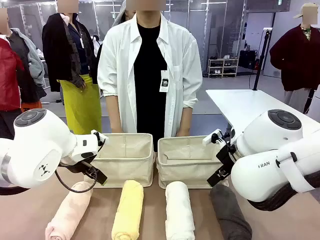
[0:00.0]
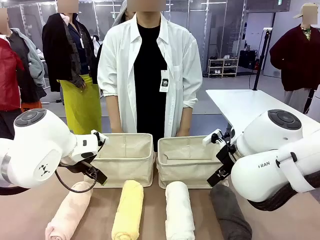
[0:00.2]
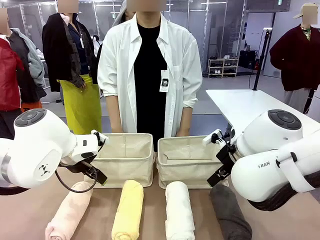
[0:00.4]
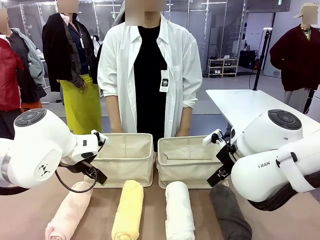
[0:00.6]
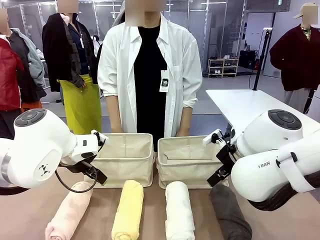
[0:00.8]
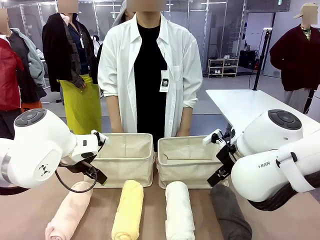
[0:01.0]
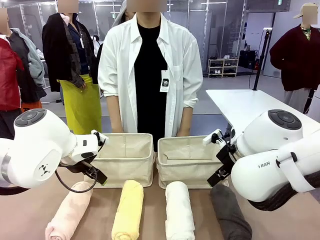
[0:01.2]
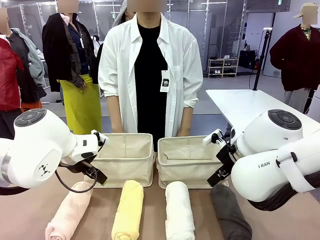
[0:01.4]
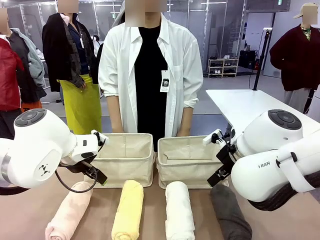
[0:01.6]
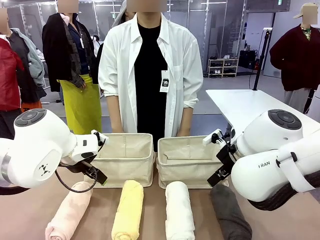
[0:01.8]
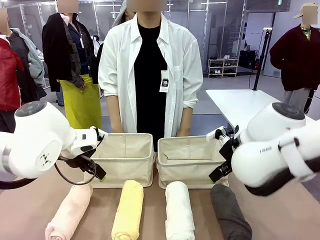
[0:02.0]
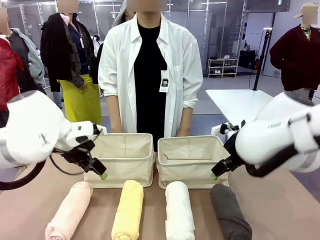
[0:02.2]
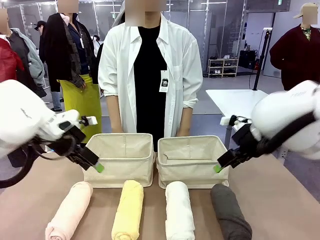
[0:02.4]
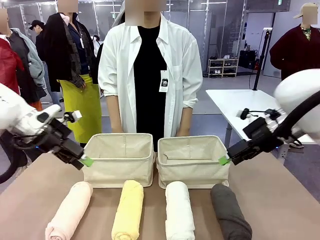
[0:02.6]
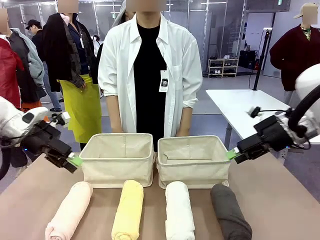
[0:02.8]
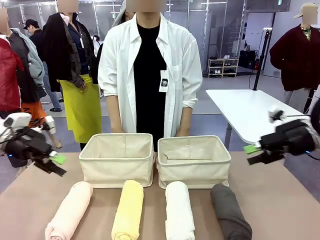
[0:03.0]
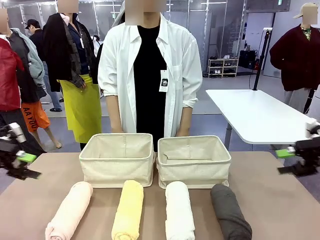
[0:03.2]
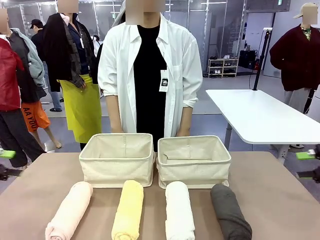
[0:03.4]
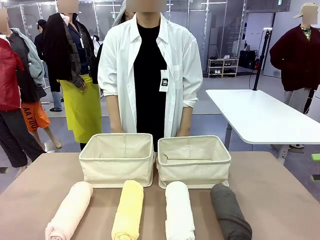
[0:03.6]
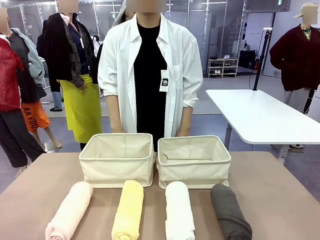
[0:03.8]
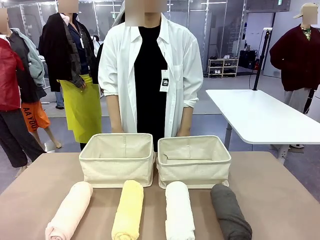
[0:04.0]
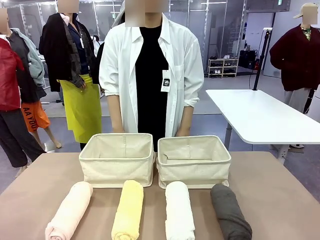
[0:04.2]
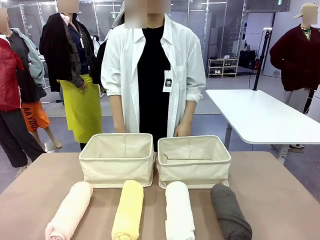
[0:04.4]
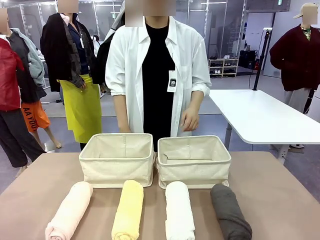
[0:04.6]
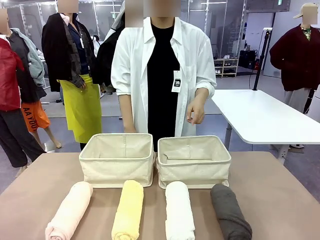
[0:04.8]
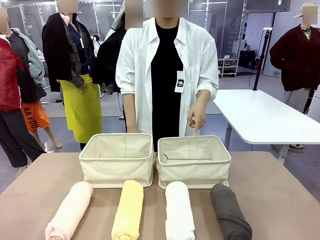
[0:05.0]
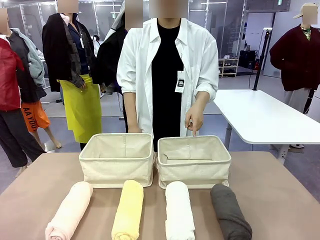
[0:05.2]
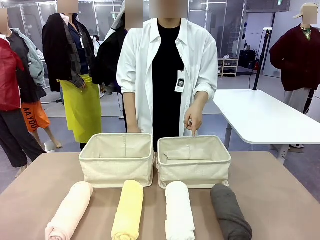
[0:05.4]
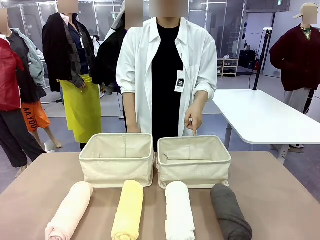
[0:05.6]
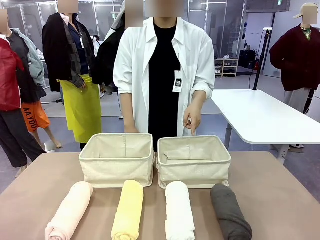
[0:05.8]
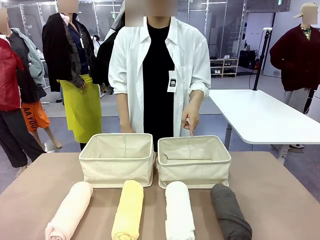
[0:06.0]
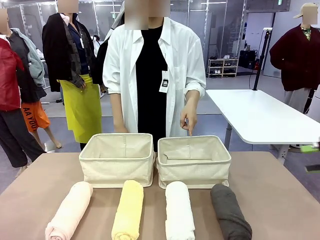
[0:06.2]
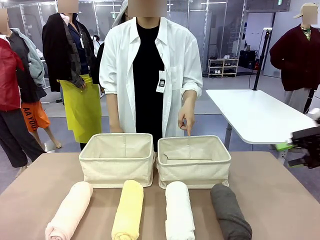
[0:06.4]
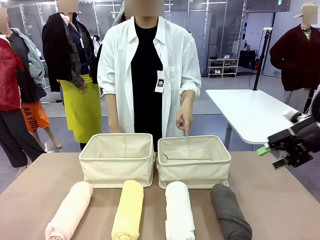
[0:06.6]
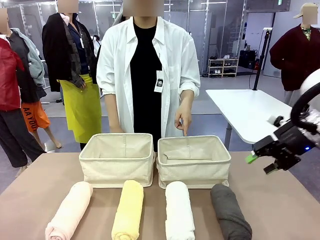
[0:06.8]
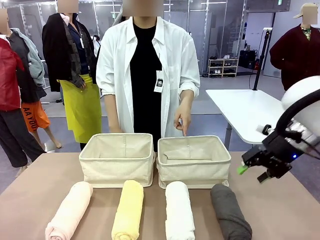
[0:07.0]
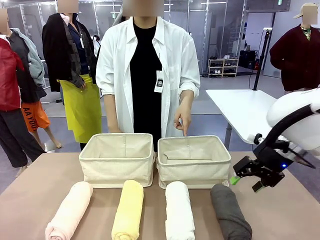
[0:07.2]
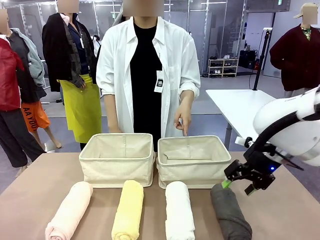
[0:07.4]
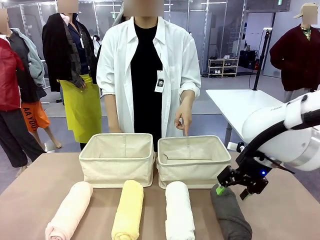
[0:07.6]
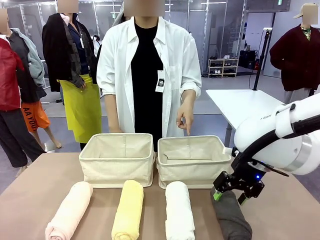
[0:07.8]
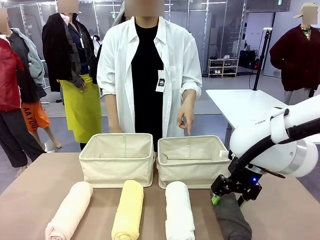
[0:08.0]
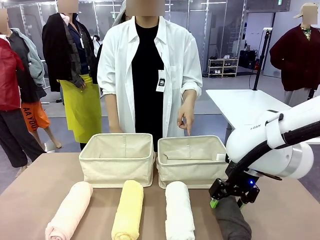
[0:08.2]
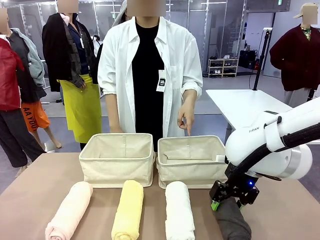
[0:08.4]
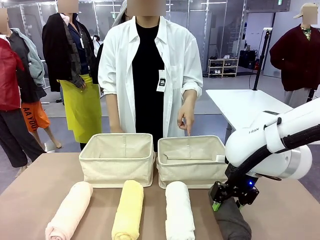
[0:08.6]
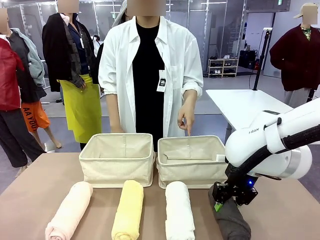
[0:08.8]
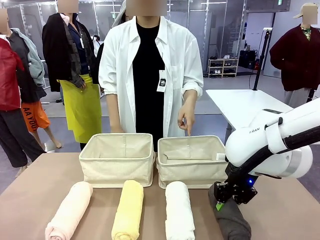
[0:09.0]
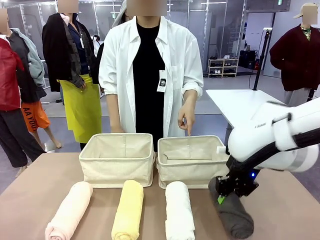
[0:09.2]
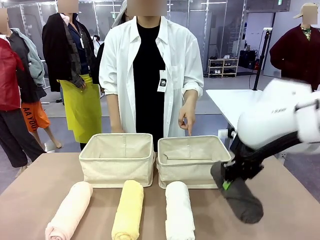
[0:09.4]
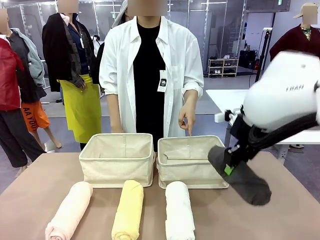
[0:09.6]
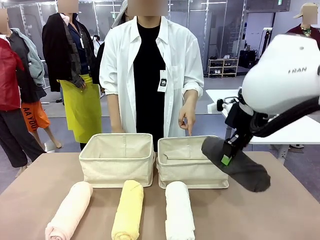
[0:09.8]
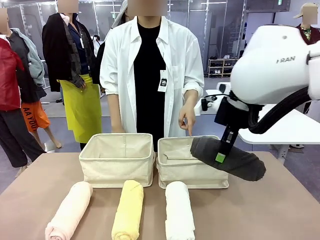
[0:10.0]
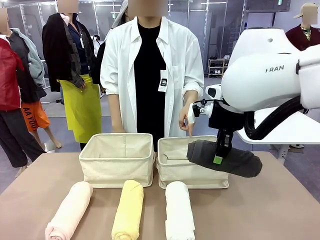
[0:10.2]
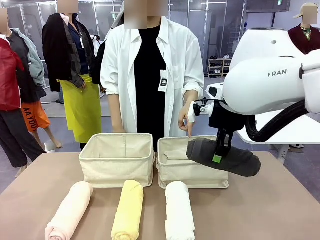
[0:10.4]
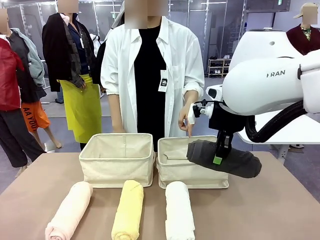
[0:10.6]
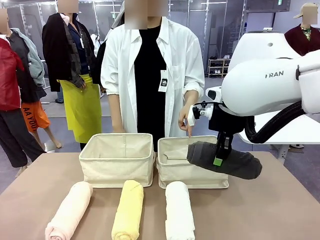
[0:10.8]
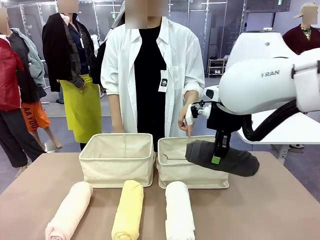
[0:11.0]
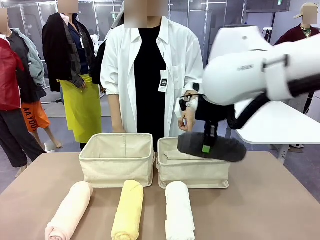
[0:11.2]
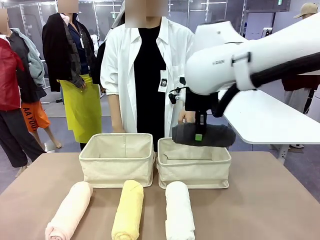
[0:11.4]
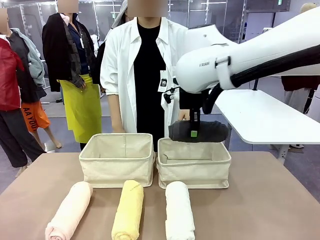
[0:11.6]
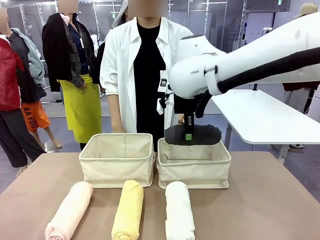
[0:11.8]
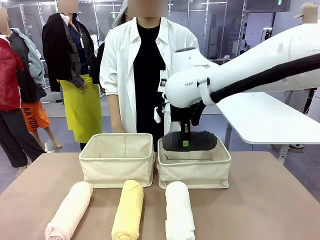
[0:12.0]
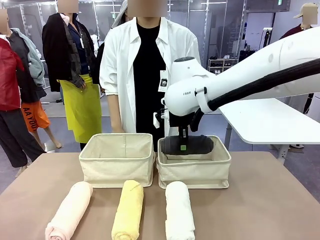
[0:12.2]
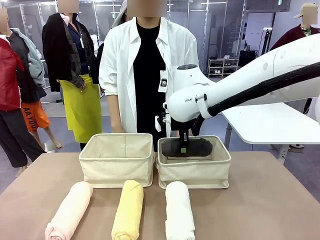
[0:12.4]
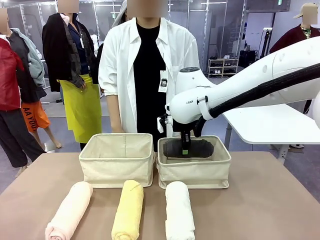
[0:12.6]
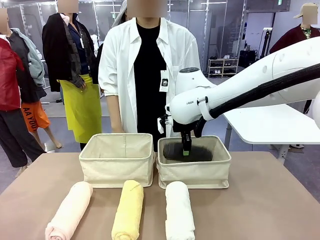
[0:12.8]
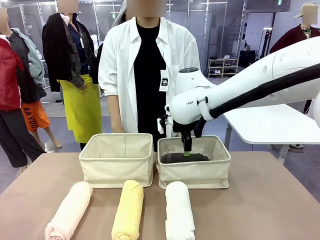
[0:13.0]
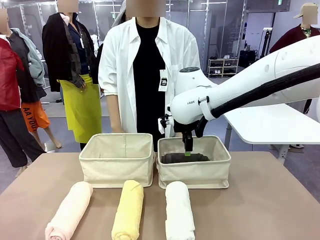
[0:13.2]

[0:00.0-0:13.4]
Task: Divide the towels into two baskets.
Robot: Pick up one hotel-folded towel and place it in the Fabric basket indicated by the person.

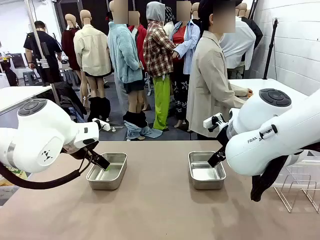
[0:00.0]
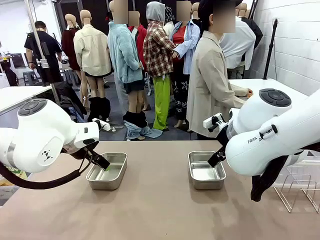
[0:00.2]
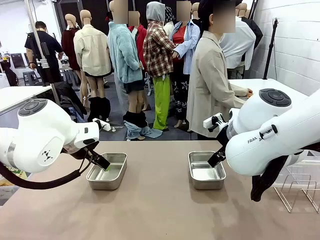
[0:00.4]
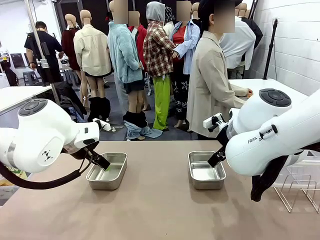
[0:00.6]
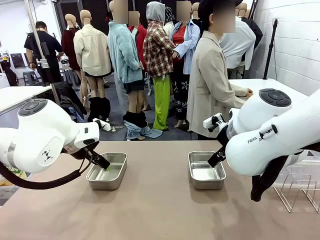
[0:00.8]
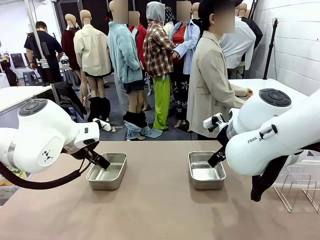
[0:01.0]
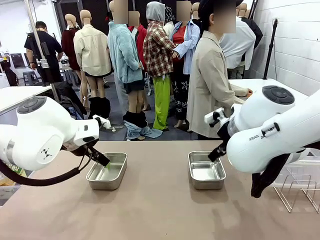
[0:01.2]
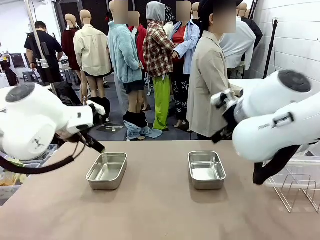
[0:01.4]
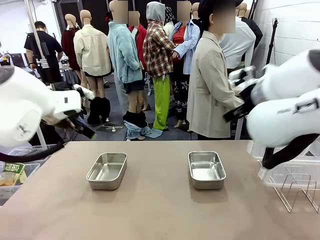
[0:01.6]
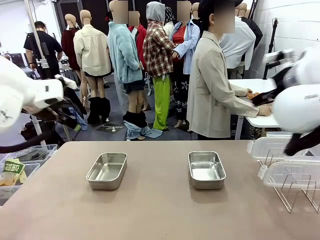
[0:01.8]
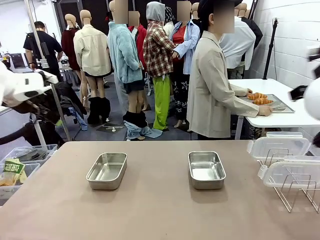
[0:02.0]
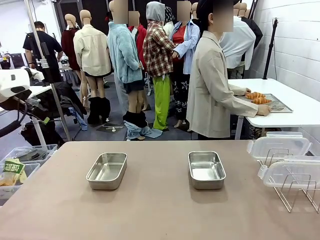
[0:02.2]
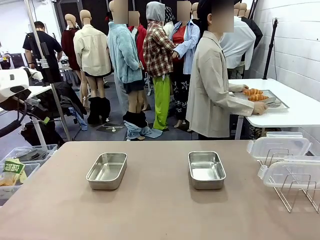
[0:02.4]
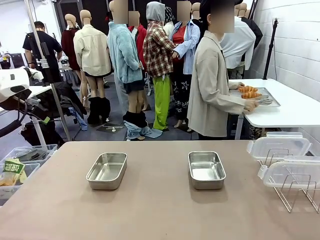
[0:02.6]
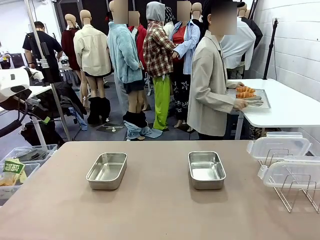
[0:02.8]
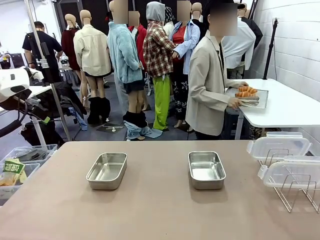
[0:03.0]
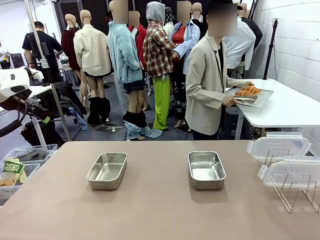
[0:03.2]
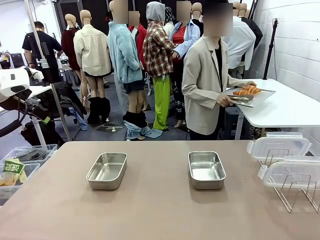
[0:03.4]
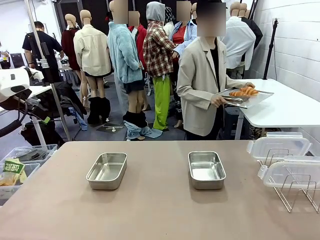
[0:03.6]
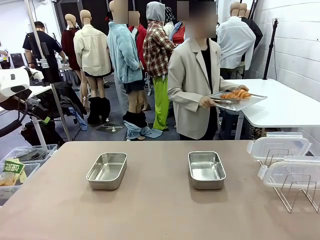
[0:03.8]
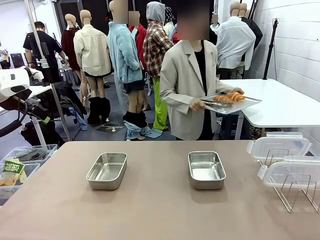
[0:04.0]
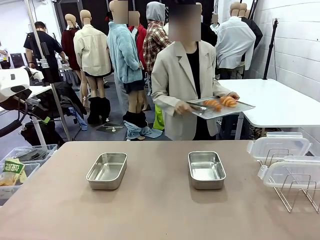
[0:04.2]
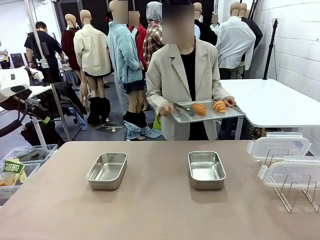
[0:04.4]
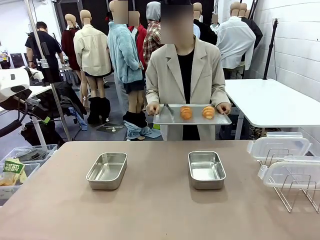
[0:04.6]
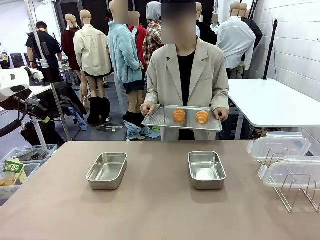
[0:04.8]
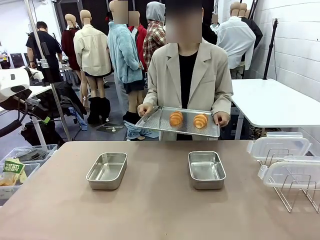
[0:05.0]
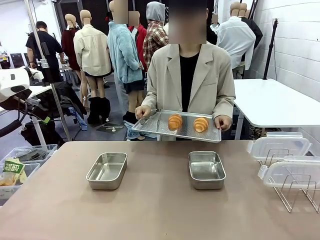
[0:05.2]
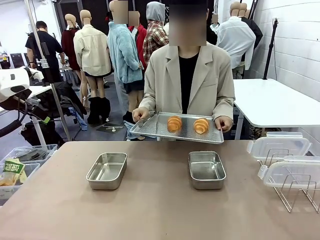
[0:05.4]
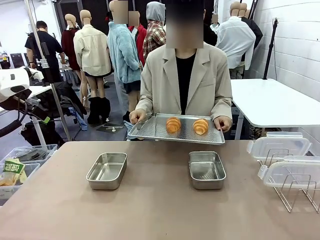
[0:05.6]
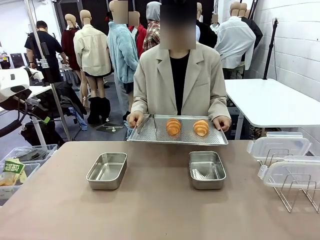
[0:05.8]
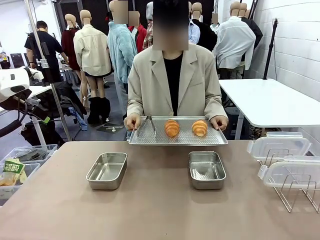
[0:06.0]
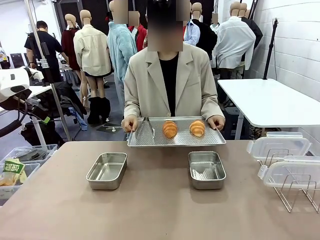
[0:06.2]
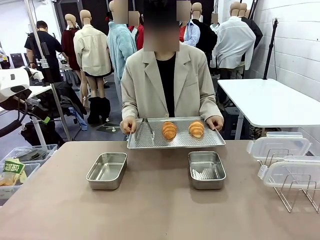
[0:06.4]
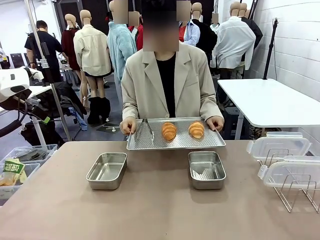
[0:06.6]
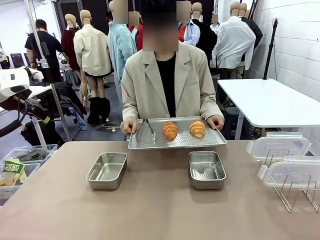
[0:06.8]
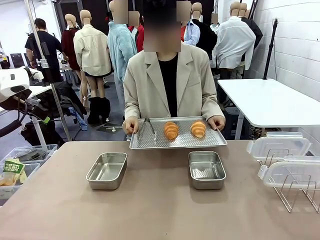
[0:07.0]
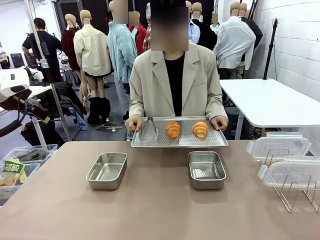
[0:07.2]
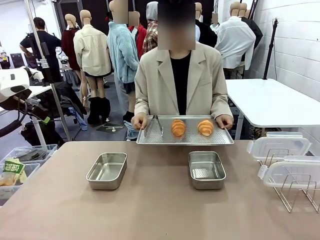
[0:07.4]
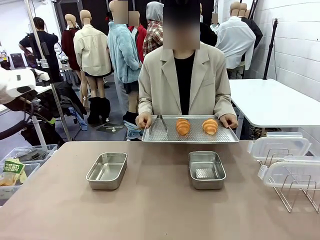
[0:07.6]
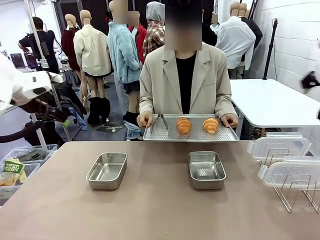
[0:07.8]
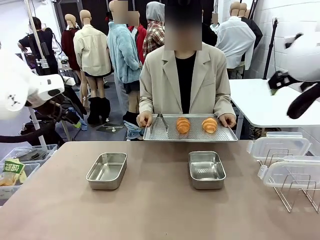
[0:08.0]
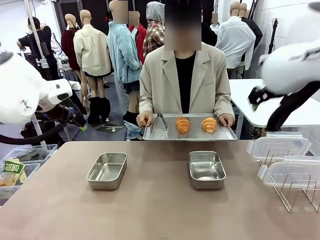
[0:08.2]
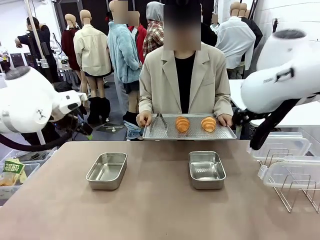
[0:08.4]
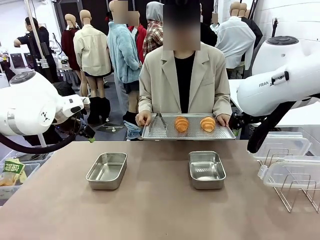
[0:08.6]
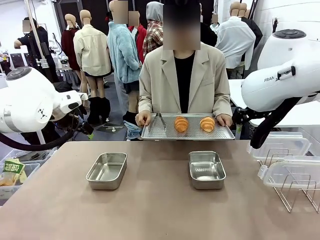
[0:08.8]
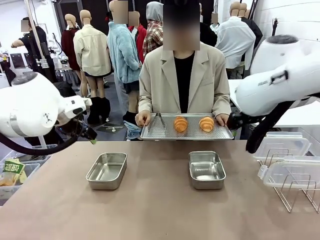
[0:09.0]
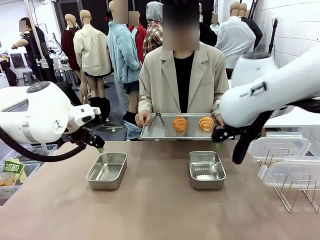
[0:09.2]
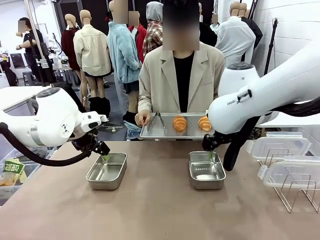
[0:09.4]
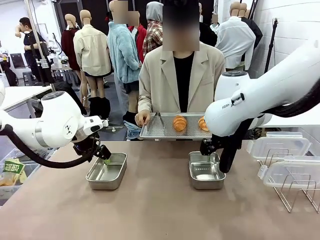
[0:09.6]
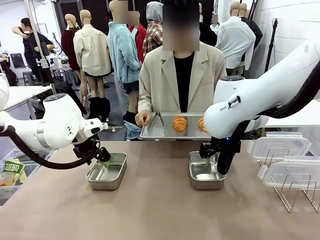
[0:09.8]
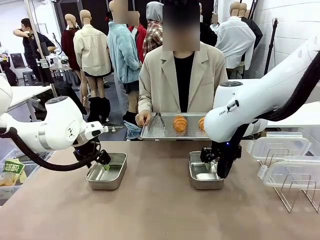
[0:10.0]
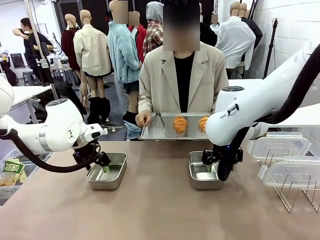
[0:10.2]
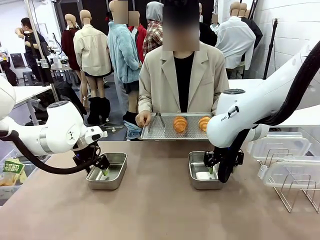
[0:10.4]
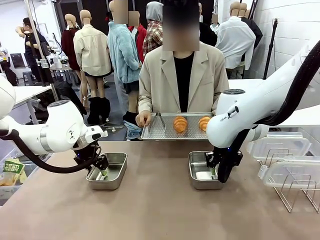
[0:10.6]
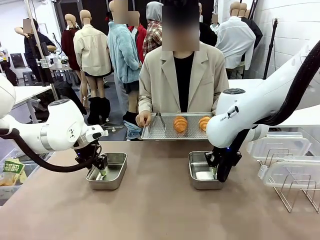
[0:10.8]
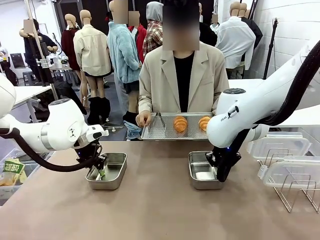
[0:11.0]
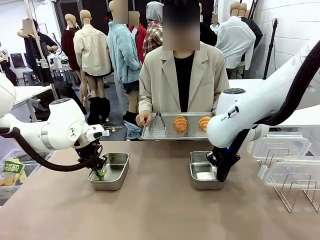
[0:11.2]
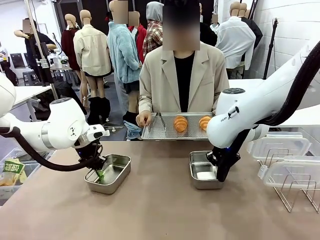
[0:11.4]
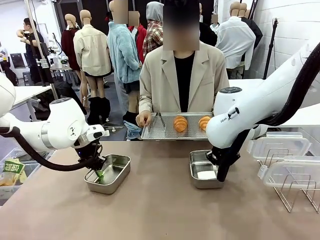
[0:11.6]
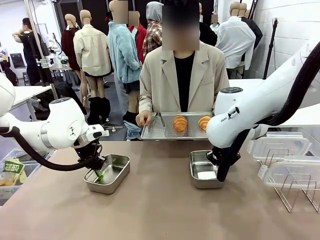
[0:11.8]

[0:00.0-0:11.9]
Task: Place the bread in airtight containers.
Robot: Lift both Airtight Container.
Person: Bring the Baking Sheet in front of Robot's Table.
